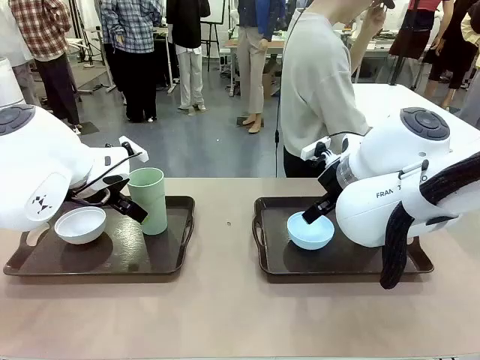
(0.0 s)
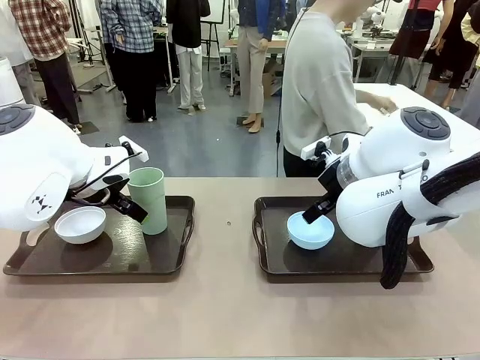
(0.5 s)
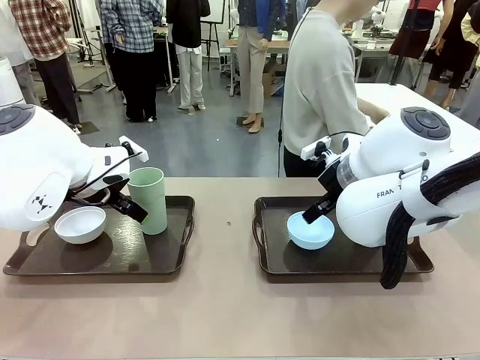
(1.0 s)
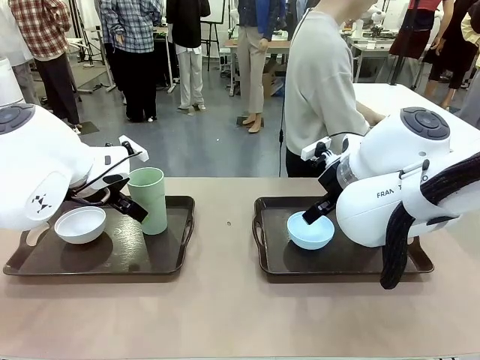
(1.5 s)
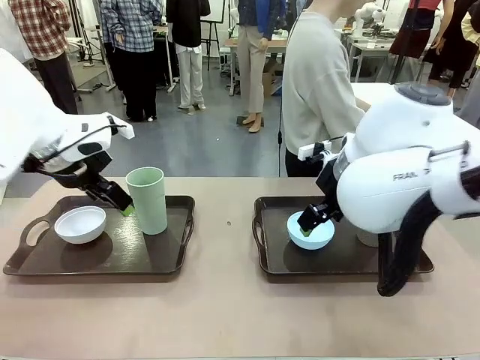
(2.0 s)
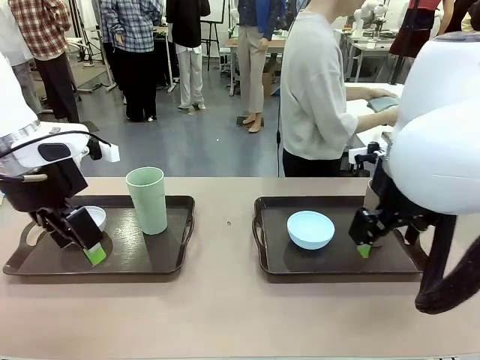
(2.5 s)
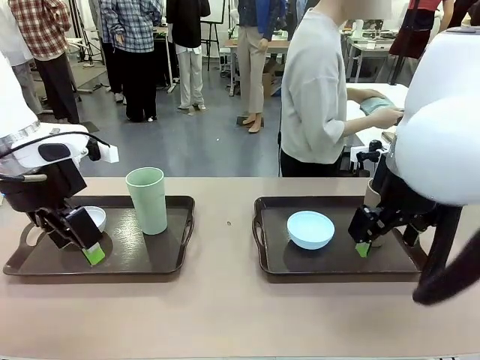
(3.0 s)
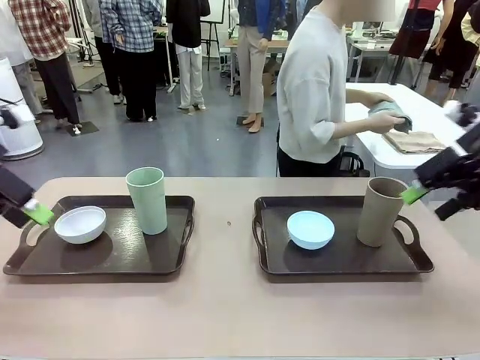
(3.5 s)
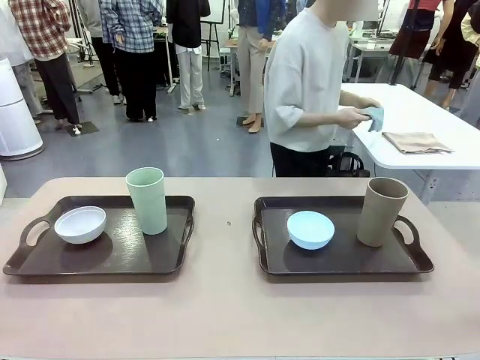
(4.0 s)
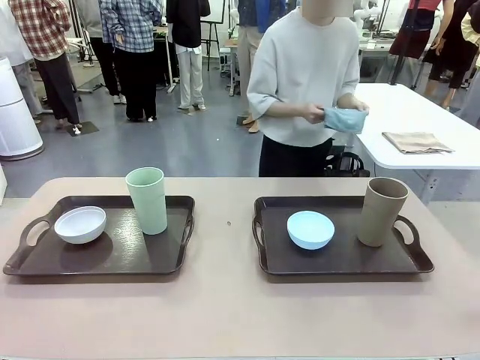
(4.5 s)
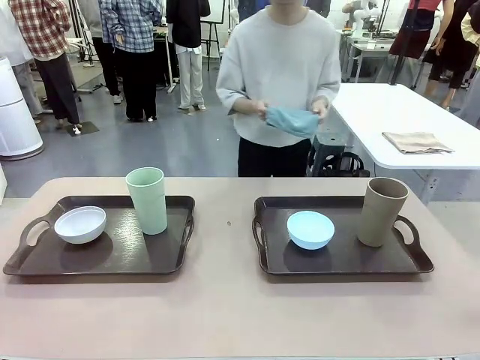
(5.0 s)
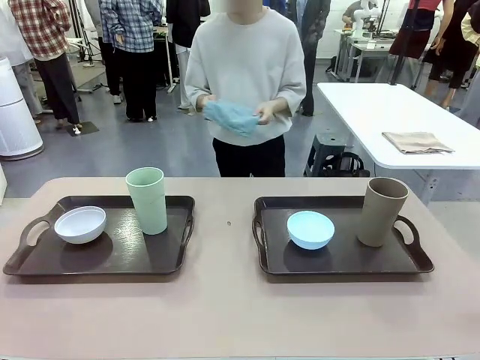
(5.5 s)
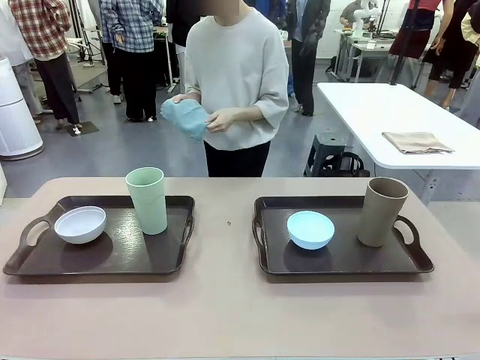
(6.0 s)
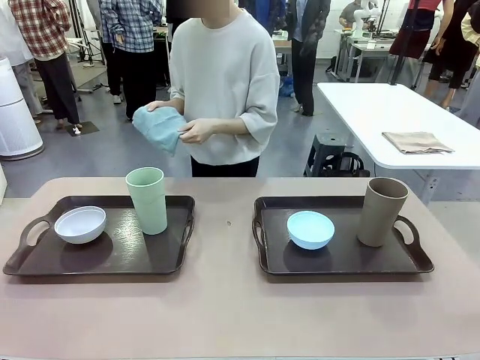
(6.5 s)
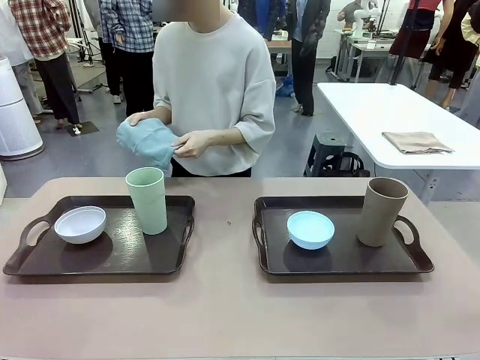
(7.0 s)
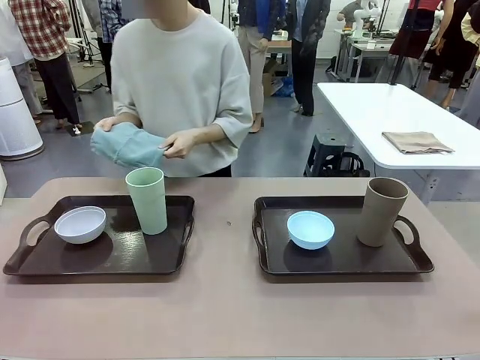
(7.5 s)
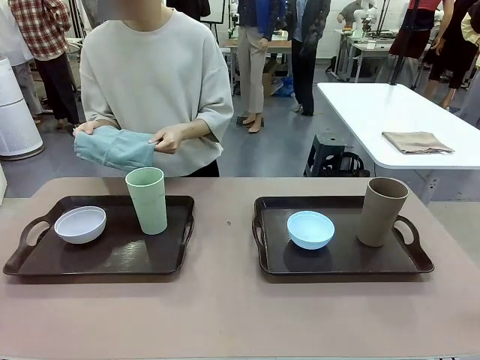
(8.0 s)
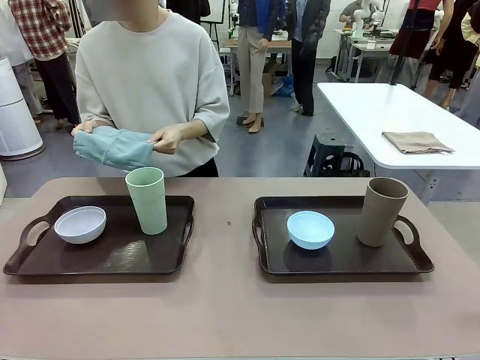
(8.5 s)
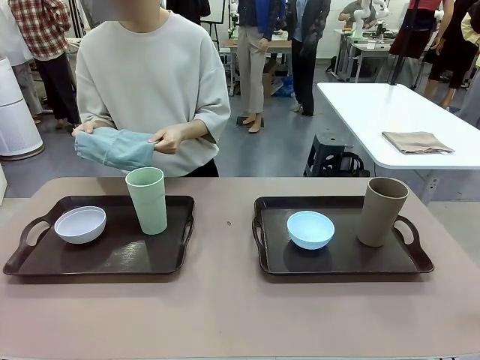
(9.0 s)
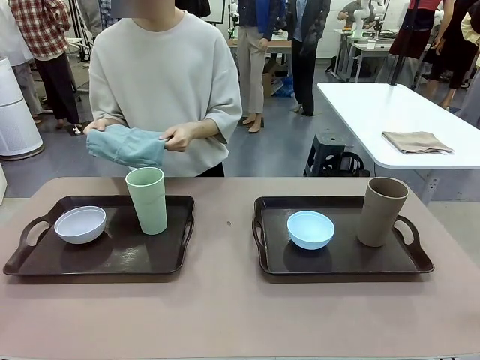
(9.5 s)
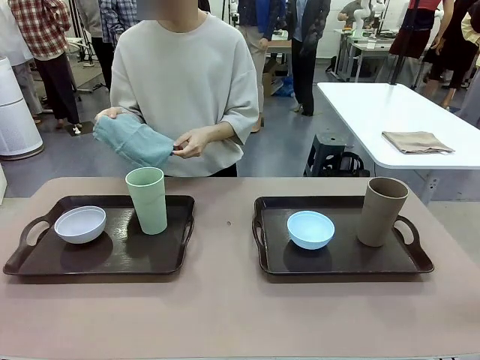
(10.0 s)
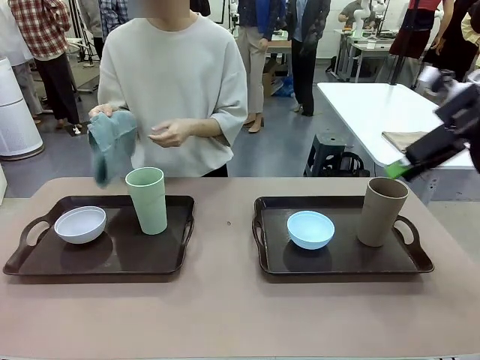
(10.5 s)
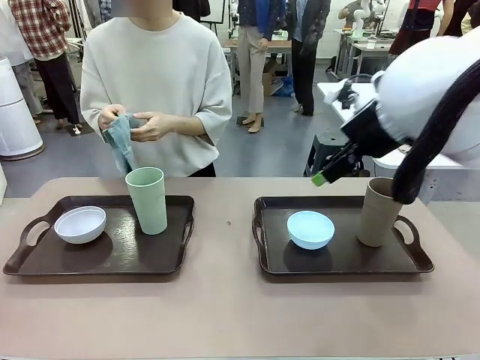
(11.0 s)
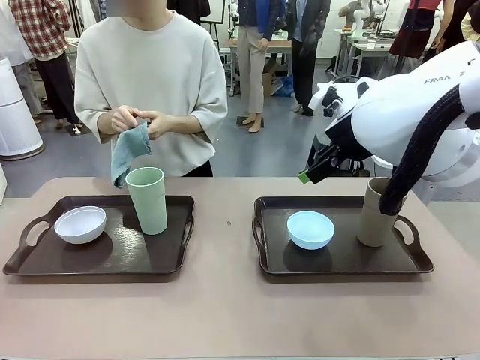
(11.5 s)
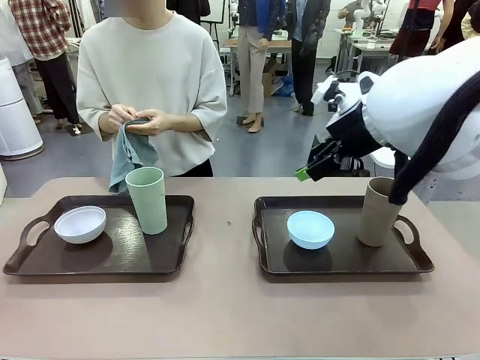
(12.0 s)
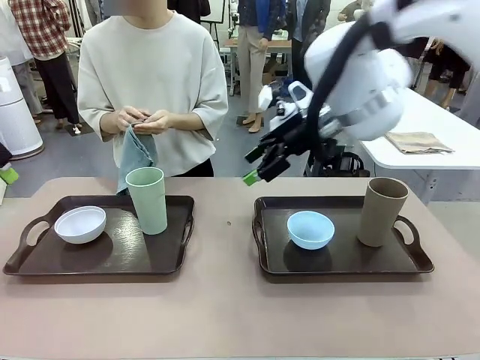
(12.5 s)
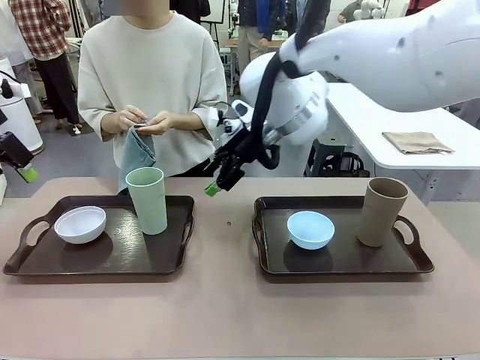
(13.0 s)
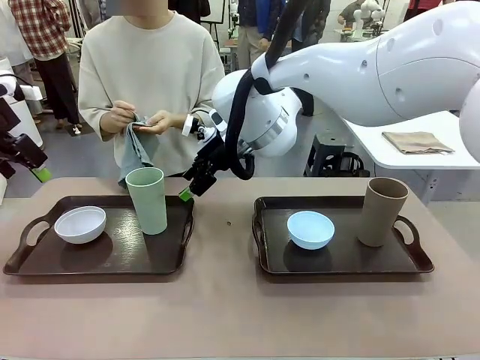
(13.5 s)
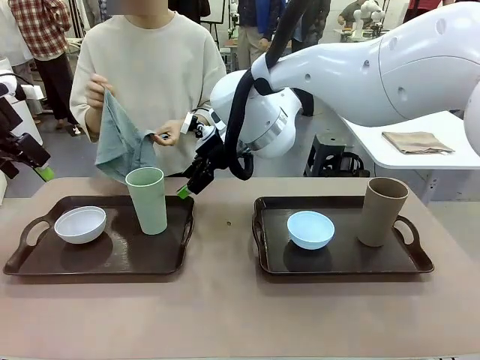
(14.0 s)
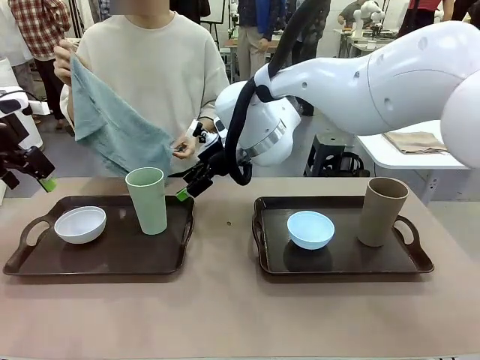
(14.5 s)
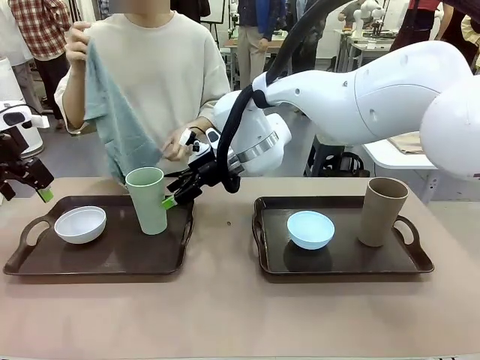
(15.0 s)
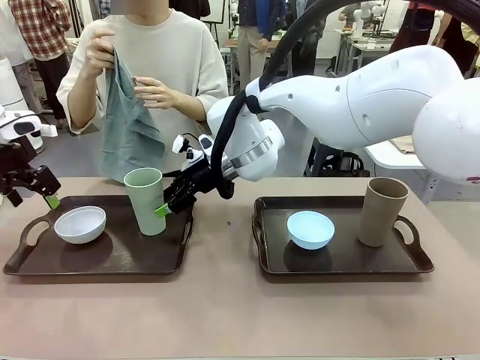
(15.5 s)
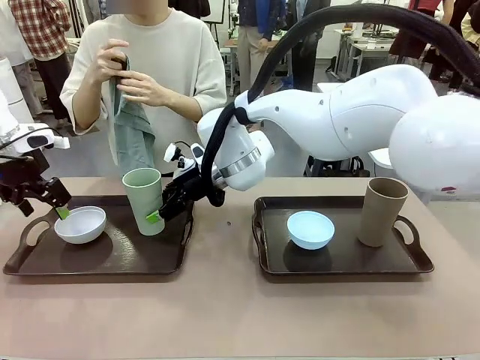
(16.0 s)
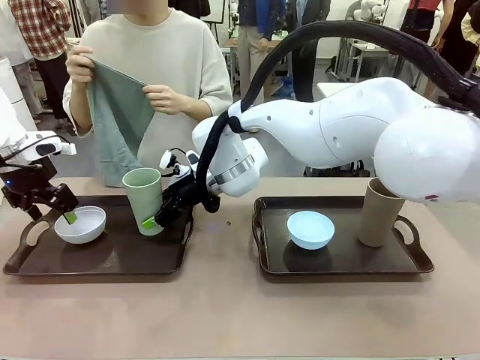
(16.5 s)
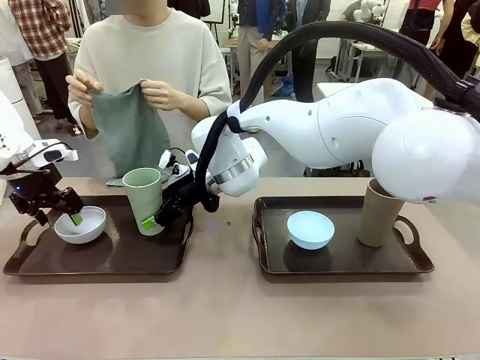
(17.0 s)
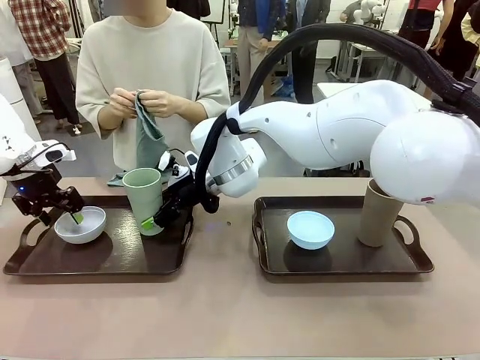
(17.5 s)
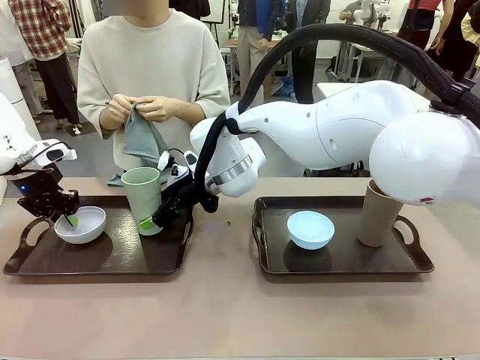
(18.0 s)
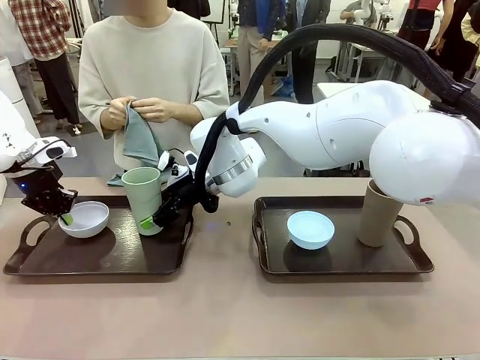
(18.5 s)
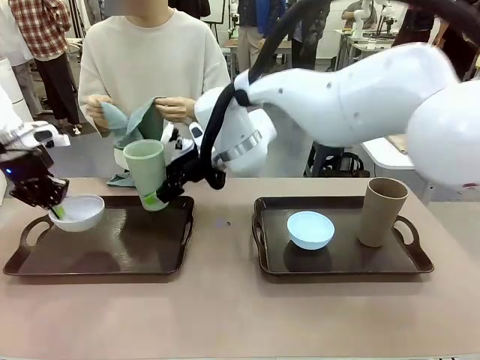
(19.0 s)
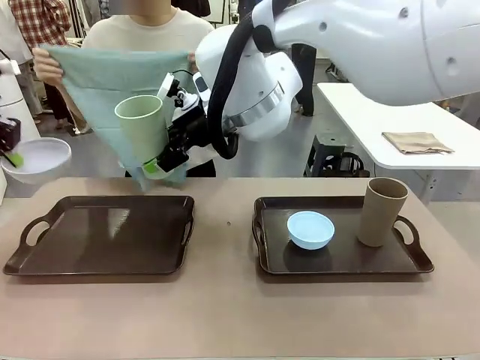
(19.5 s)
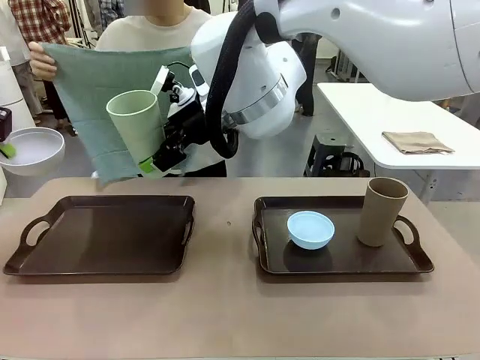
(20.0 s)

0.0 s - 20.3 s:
Robot: Pick up the Picnic Bowl and Reusable plastic cup from the Handle tray in front of the human's position and hold them in the air.
Person: The human picks up the top napkin from the stack on the human table and walks to the robot table to stand in front of one of the two trays. When the robot lifts the bowl and the cup, the human unfolds the napkin and lays the napkin flat on the tray.

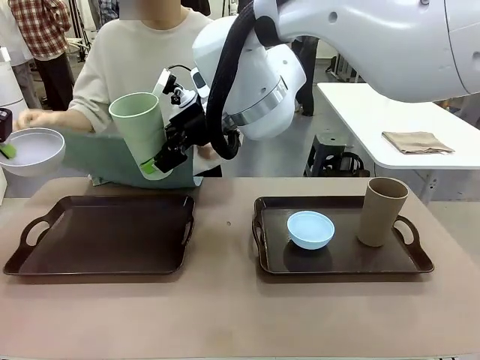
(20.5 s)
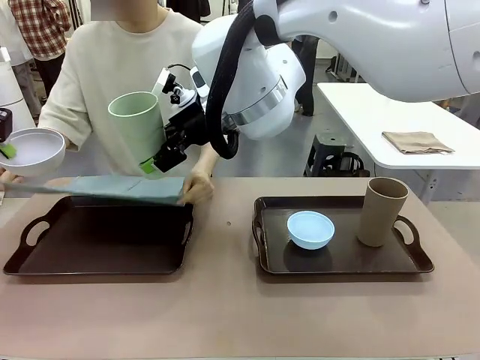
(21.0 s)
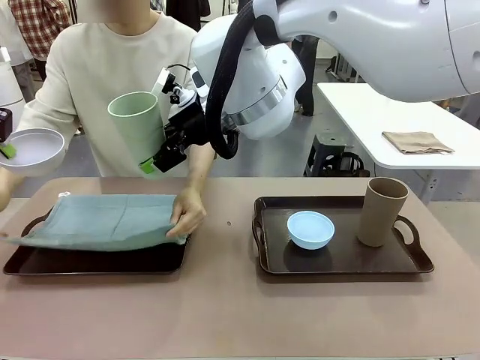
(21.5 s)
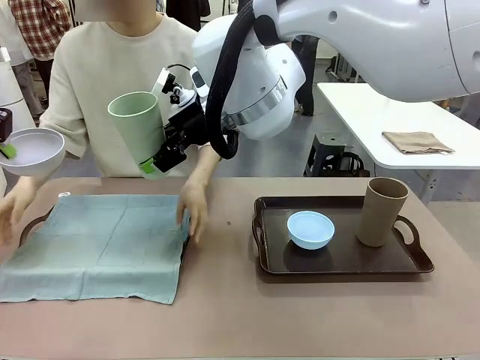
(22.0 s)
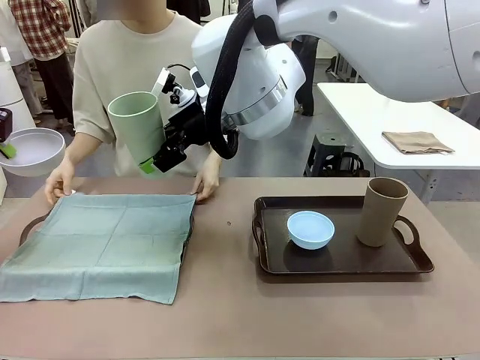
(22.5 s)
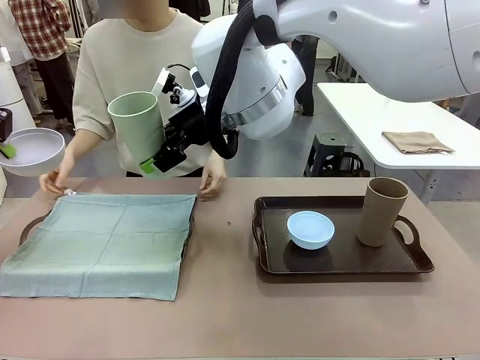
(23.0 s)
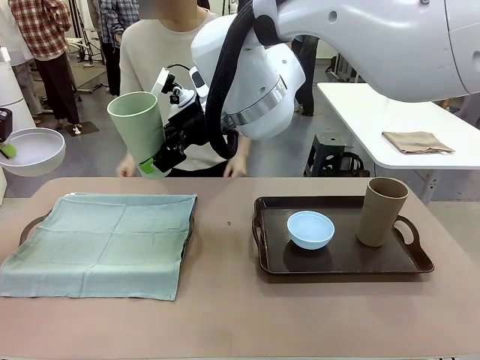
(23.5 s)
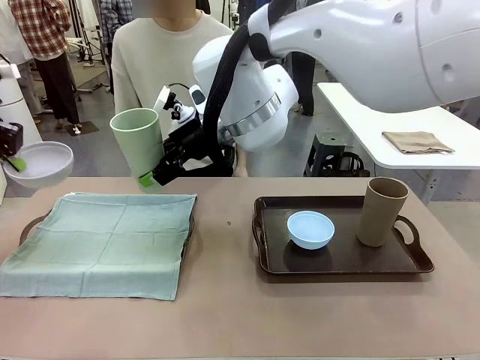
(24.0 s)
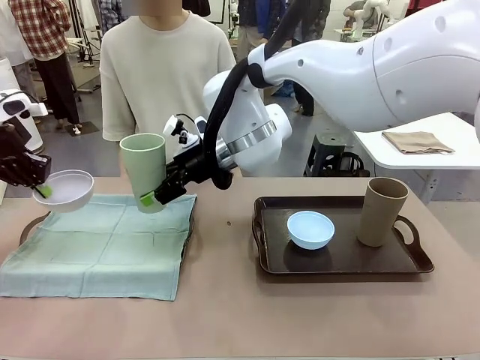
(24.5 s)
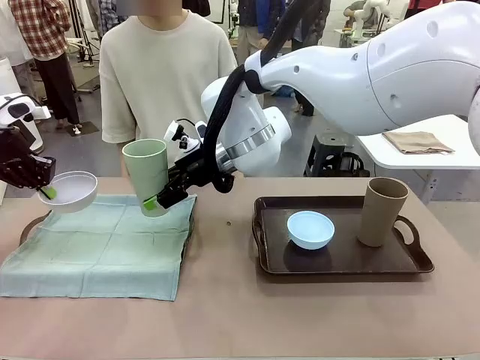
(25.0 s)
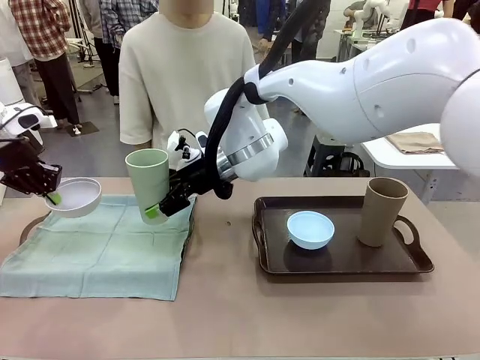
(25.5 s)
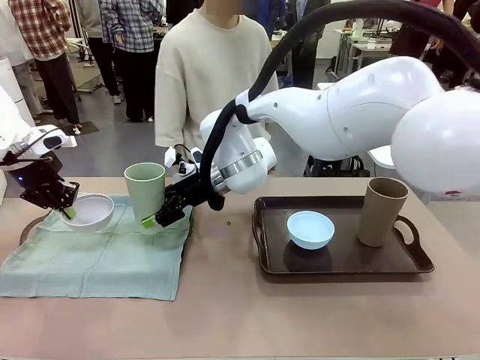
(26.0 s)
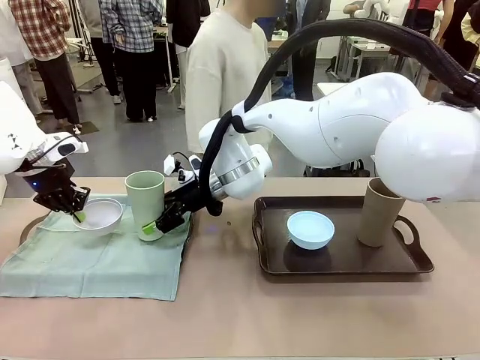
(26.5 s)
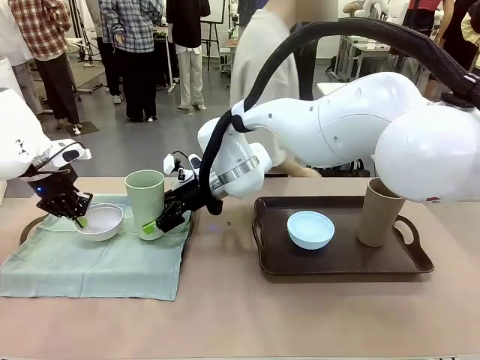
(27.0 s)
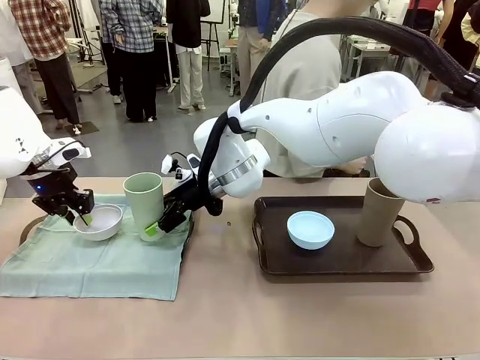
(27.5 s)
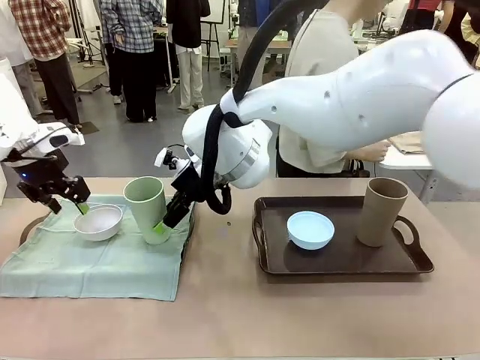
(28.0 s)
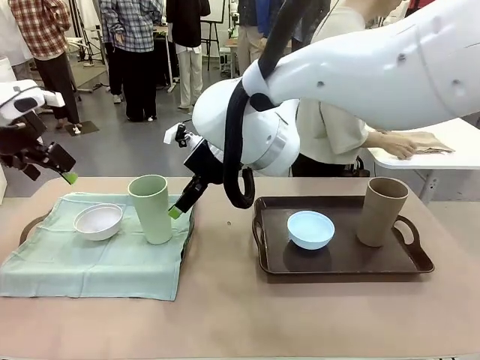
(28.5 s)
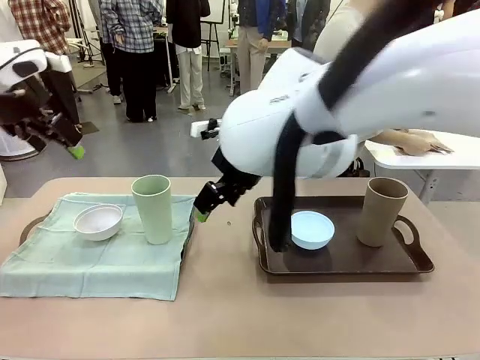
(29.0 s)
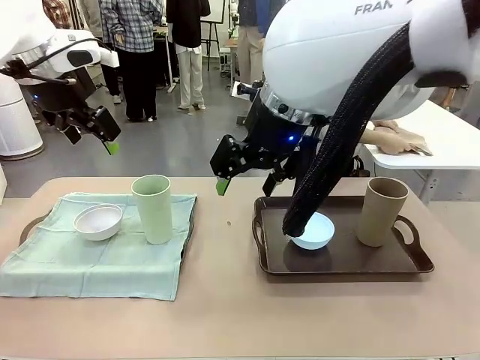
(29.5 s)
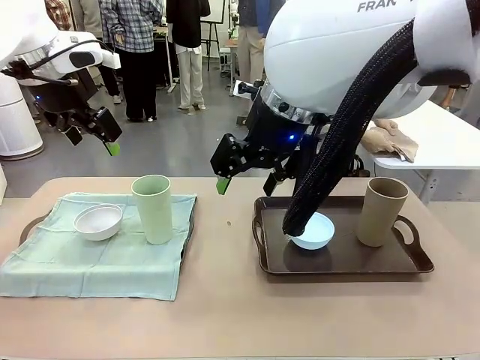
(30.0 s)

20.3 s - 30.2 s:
Robot: Place the Picnic Bowl and Reusable plastic cup back onto the Handle tray in front of the human's position.
Person: The human returns to the human table to pick up another napkin and walks to the robot table to stand in front of the tray without a napkin.
